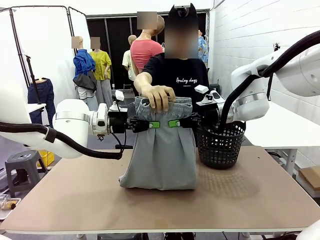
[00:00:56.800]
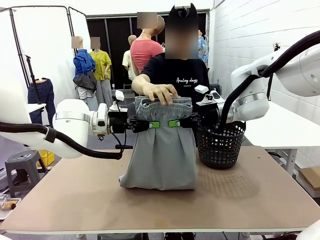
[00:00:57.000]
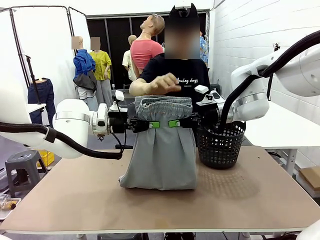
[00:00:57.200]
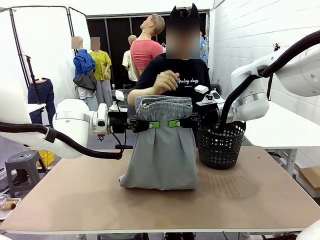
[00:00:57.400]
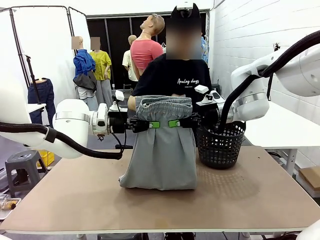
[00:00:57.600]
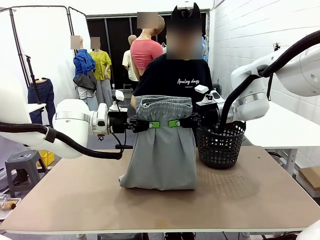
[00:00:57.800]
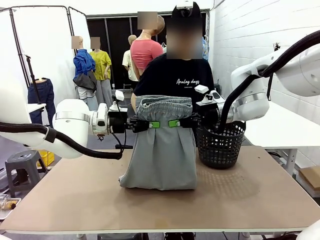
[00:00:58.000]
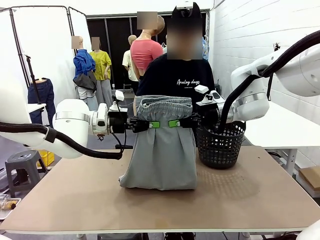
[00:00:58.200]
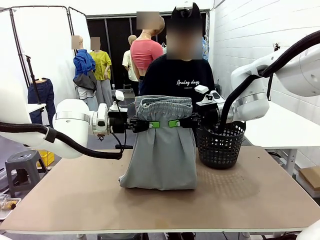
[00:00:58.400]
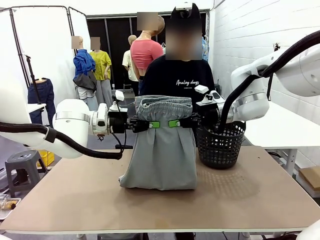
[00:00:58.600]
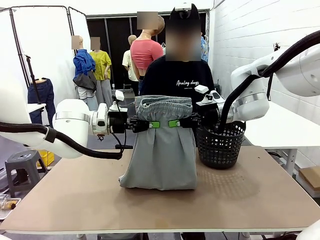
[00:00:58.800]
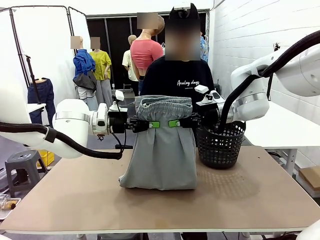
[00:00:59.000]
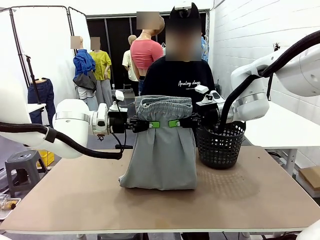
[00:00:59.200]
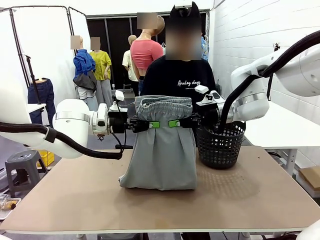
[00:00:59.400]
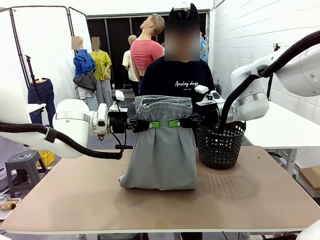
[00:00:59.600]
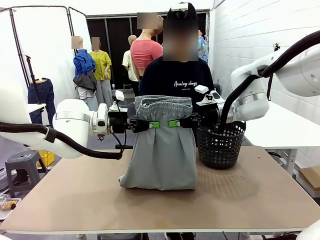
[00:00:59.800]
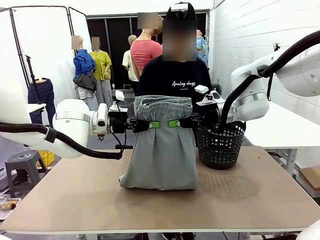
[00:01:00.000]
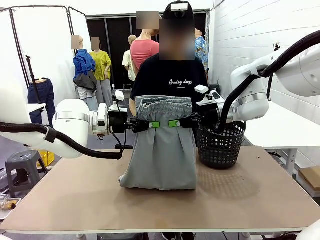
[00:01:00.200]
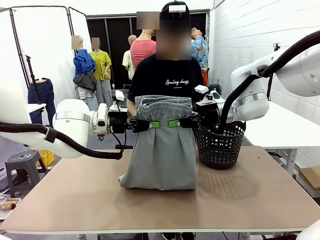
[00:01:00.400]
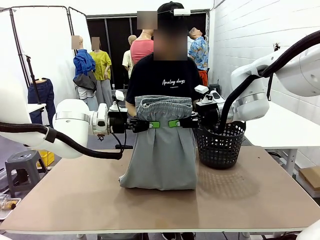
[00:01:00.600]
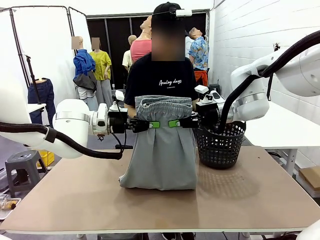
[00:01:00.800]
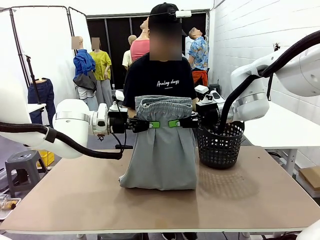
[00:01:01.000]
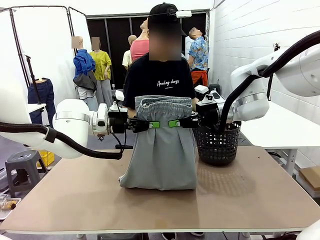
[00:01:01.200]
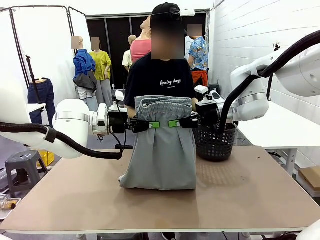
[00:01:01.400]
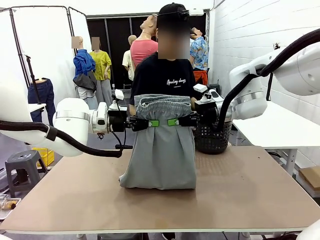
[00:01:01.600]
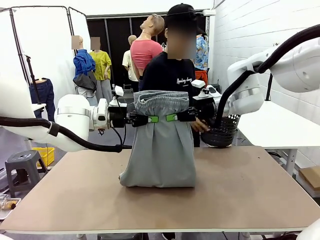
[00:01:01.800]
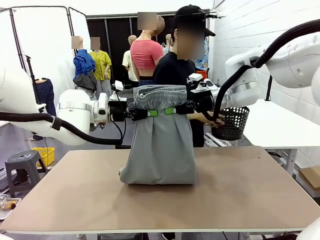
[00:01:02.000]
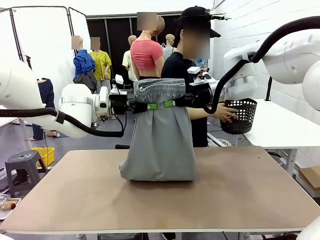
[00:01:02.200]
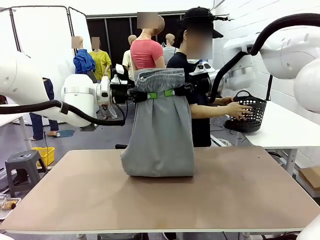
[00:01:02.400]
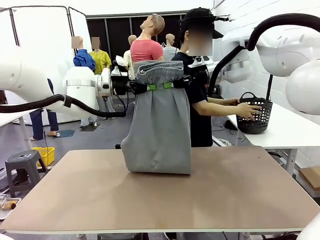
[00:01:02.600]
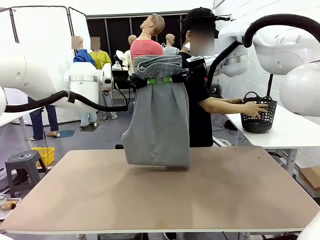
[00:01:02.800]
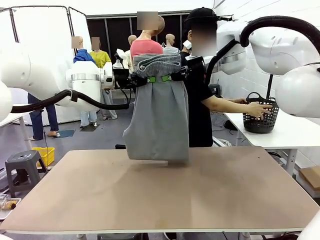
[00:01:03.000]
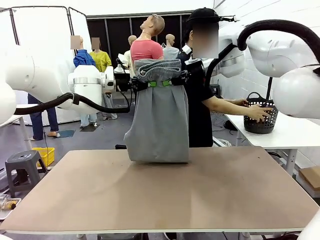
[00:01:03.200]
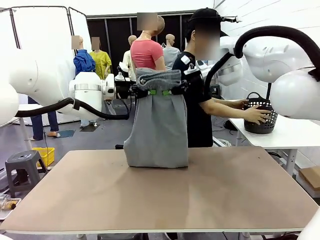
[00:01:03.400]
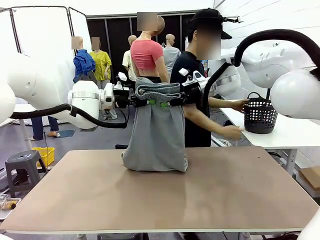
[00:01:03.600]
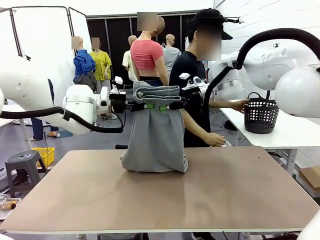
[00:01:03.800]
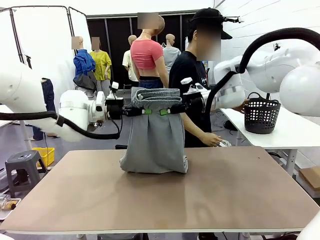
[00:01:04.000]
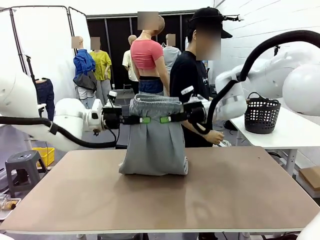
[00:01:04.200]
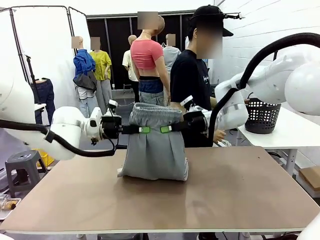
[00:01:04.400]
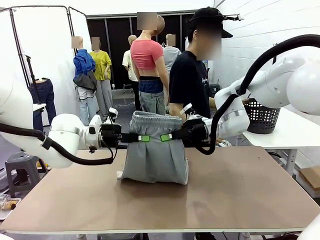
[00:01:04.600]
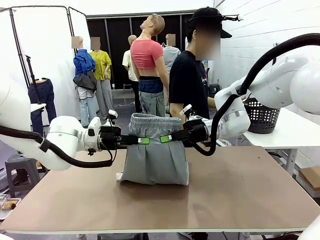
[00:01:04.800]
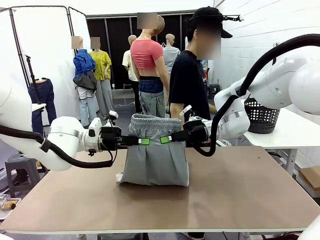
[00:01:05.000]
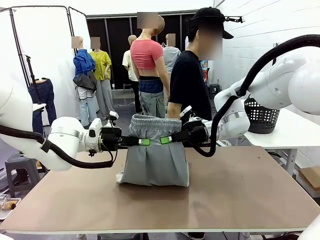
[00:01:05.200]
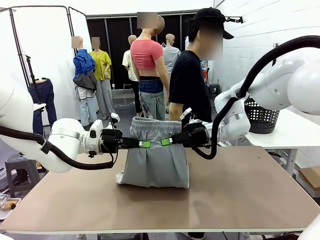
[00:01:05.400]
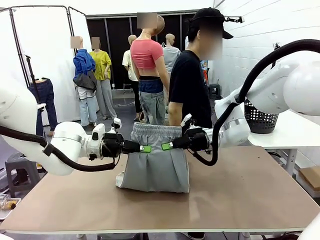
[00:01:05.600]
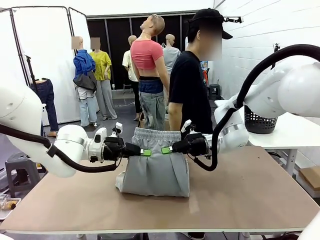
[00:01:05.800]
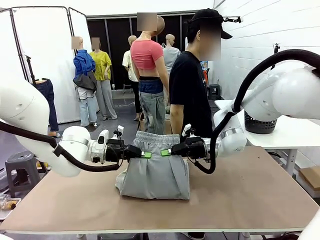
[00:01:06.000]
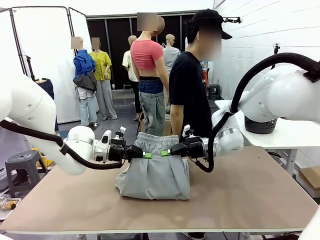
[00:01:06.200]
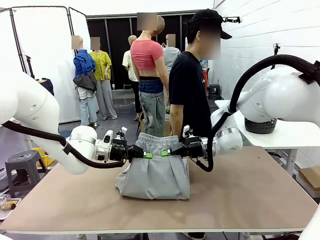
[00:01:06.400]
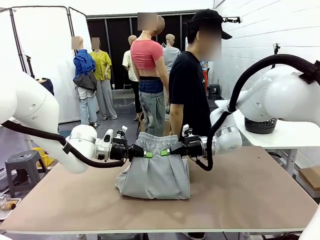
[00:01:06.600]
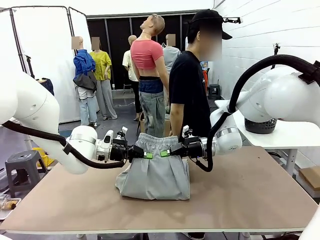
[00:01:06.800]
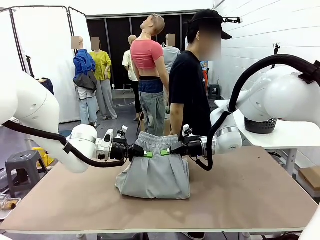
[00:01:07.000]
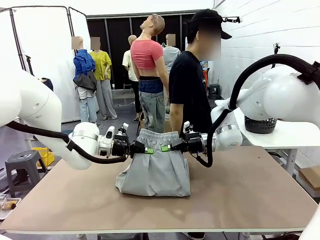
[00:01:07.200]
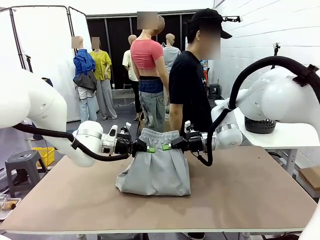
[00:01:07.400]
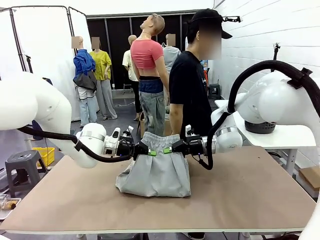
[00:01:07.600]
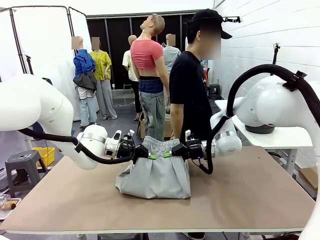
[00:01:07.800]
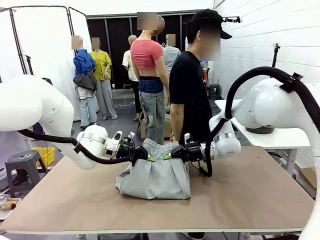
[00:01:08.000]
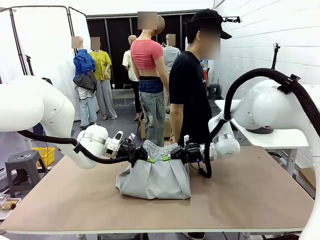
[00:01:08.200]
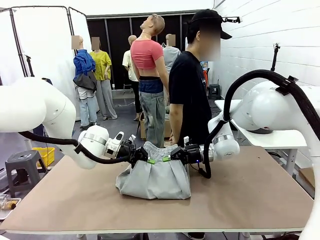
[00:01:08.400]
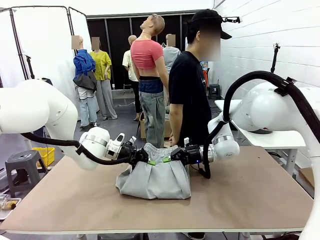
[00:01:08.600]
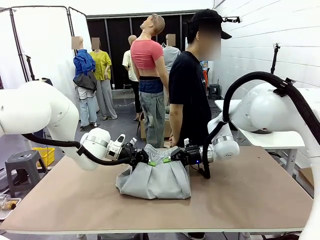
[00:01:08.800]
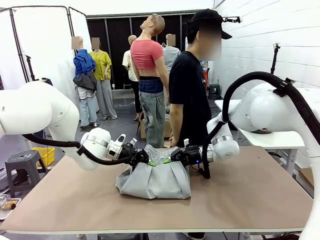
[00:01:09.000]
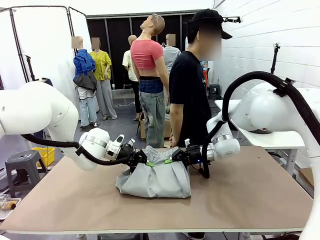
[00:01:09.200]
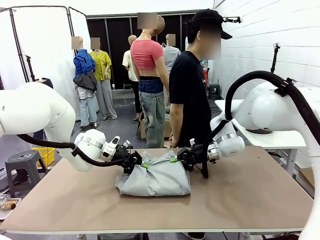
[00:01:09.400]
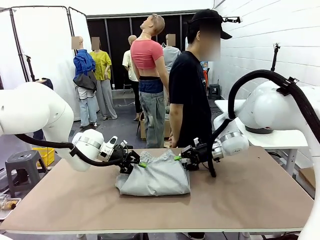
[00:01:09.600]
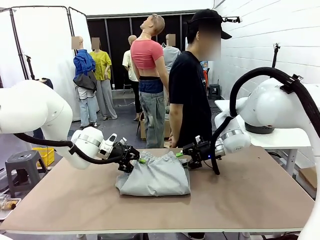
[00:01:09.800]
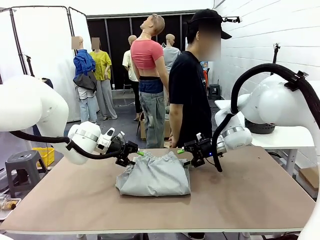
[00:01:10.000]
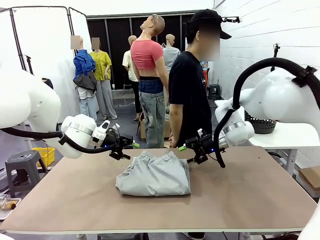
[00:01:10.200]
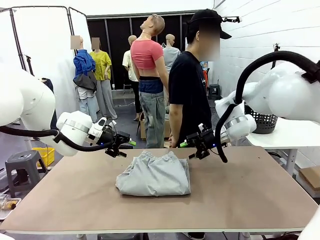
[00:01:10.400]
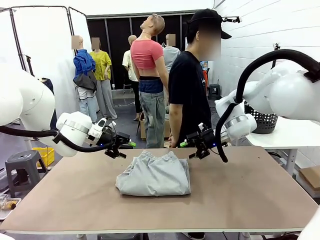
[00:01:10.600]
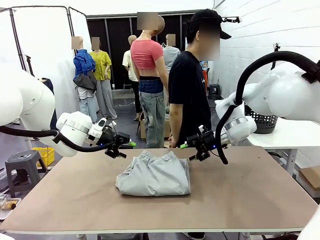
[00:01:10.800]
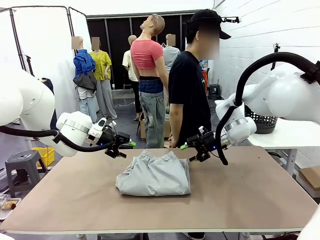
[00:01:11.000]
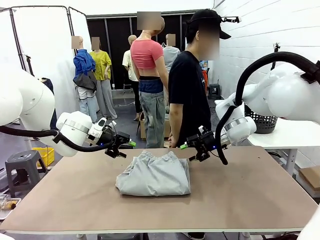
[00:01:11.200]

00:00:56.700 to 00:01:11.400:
Task: Fold the training pants.
Robot: Fold the Training pants in half.
Person: Move the laundry basket to the right of the human table.
